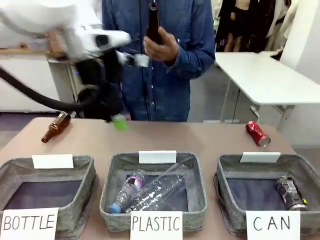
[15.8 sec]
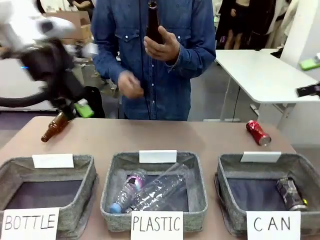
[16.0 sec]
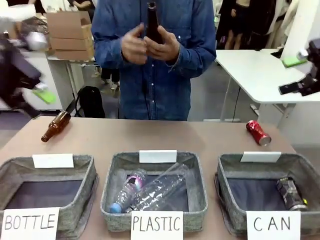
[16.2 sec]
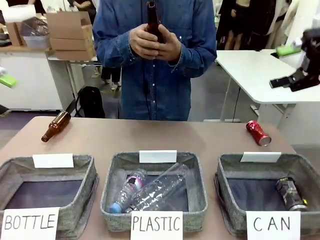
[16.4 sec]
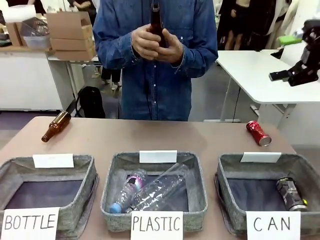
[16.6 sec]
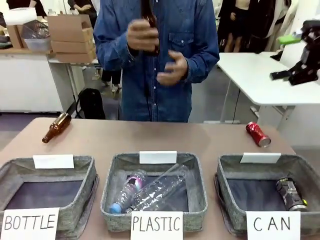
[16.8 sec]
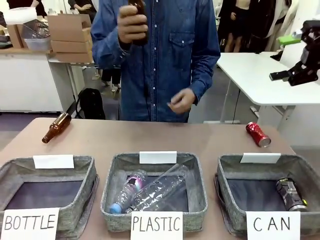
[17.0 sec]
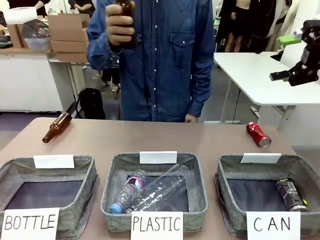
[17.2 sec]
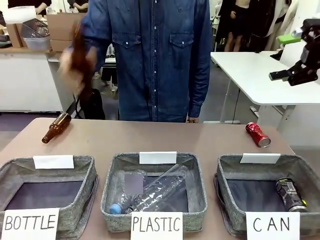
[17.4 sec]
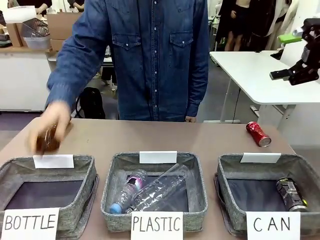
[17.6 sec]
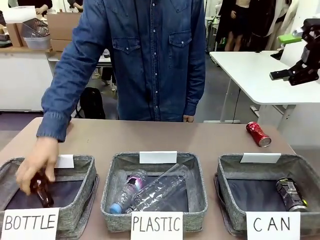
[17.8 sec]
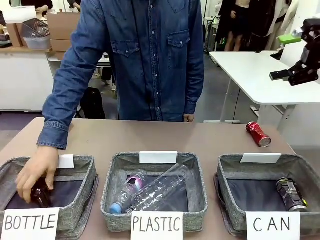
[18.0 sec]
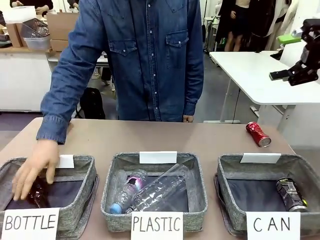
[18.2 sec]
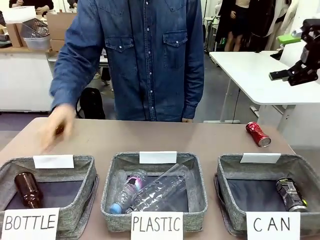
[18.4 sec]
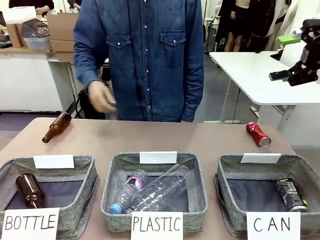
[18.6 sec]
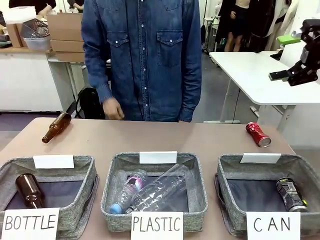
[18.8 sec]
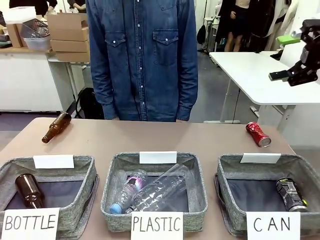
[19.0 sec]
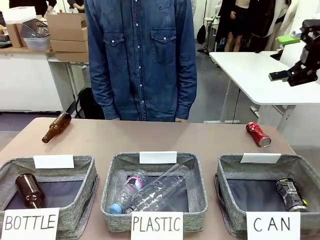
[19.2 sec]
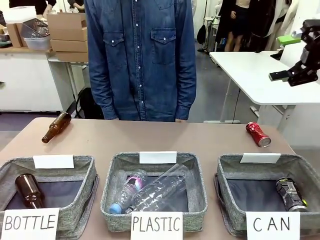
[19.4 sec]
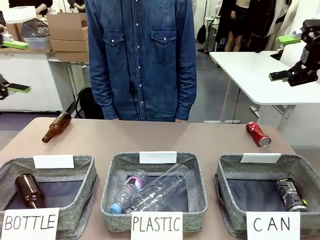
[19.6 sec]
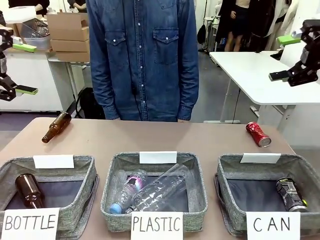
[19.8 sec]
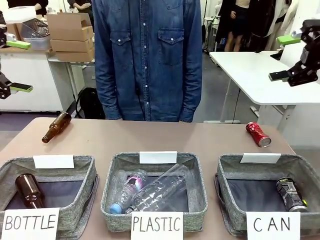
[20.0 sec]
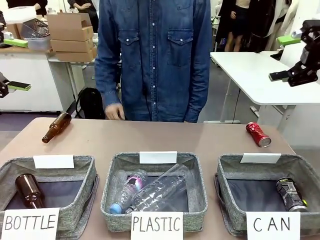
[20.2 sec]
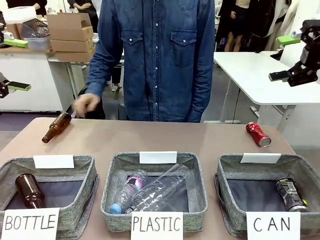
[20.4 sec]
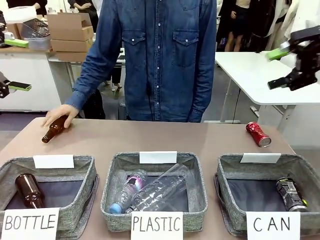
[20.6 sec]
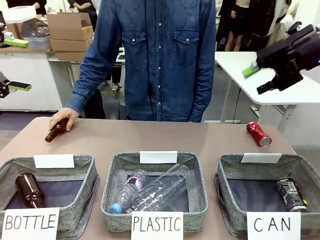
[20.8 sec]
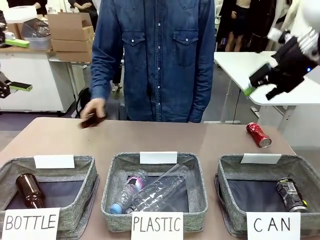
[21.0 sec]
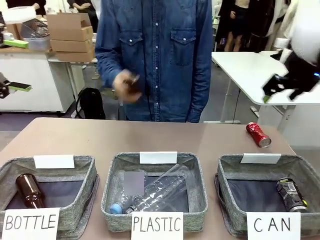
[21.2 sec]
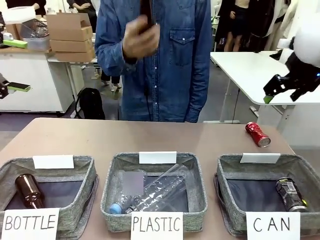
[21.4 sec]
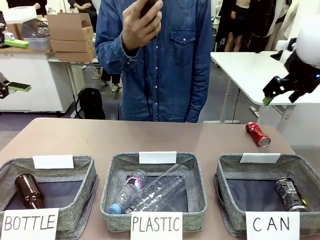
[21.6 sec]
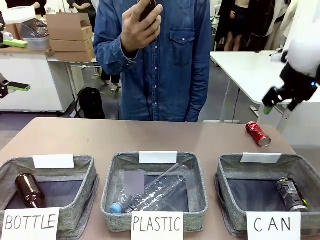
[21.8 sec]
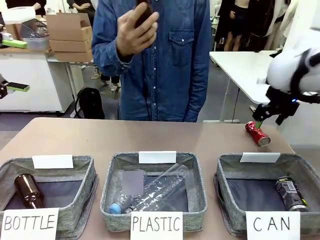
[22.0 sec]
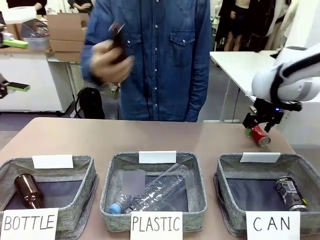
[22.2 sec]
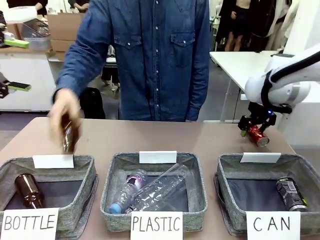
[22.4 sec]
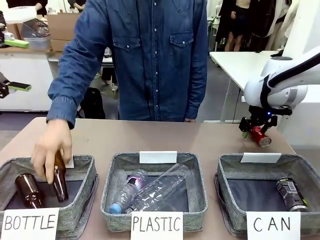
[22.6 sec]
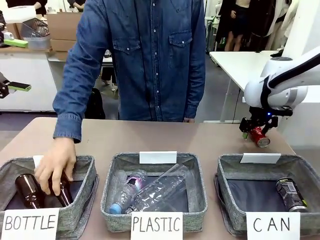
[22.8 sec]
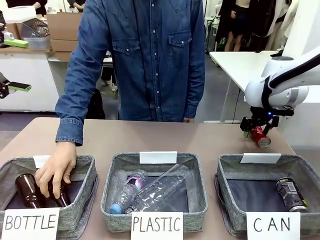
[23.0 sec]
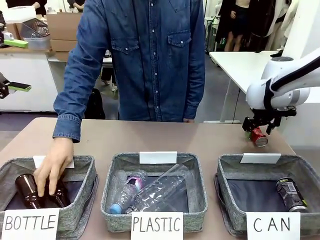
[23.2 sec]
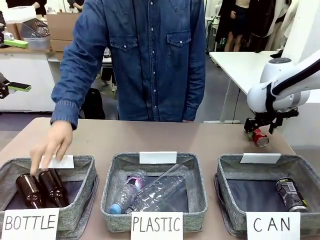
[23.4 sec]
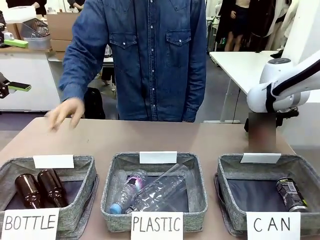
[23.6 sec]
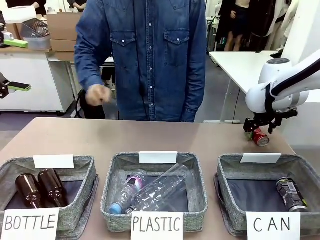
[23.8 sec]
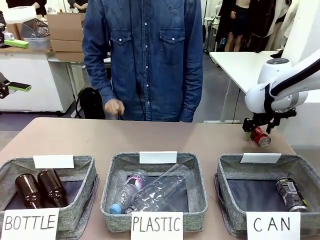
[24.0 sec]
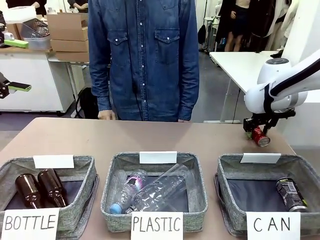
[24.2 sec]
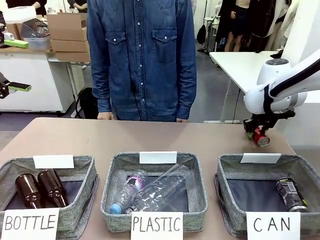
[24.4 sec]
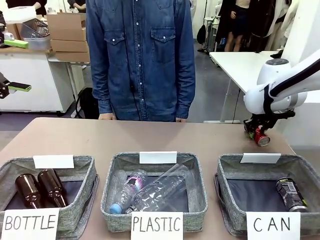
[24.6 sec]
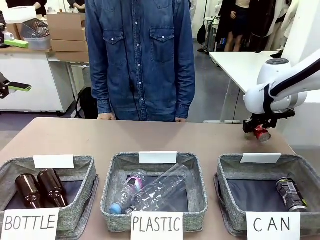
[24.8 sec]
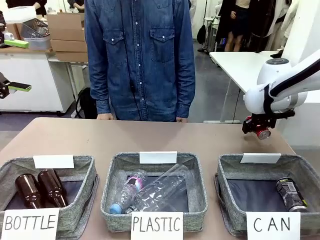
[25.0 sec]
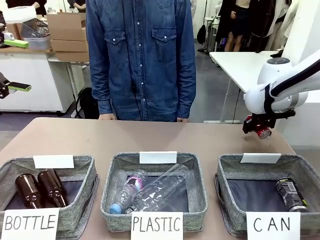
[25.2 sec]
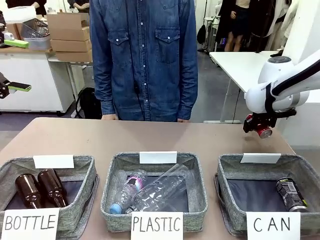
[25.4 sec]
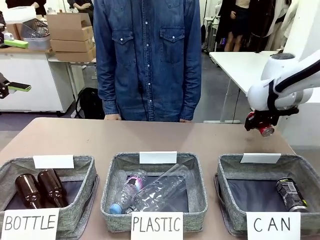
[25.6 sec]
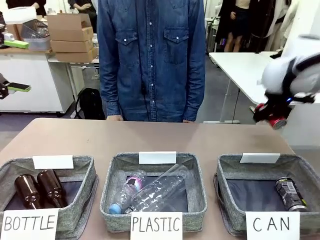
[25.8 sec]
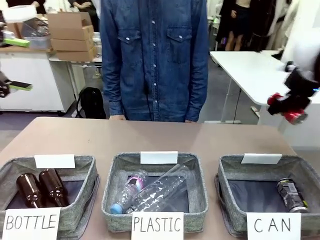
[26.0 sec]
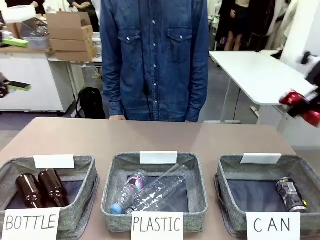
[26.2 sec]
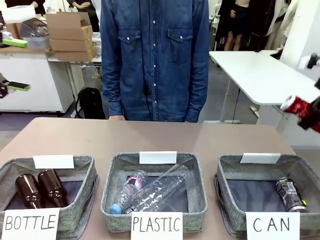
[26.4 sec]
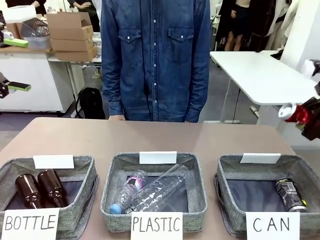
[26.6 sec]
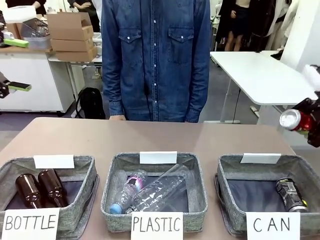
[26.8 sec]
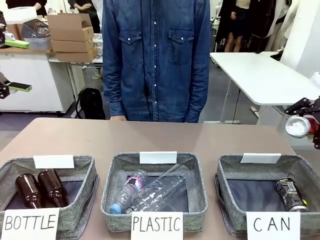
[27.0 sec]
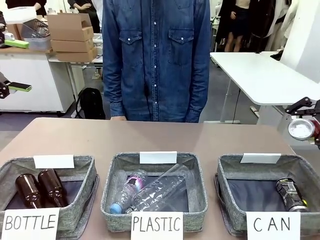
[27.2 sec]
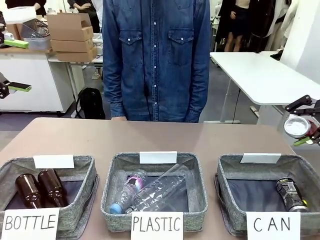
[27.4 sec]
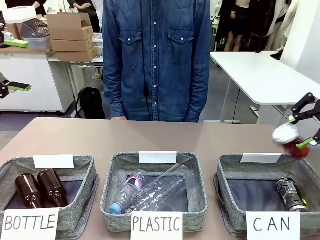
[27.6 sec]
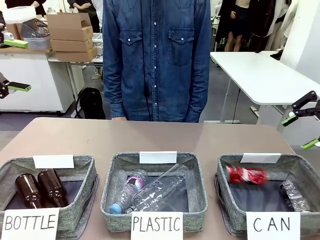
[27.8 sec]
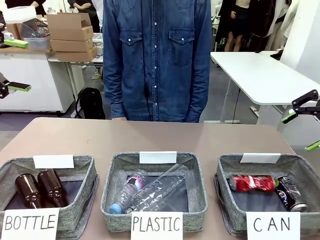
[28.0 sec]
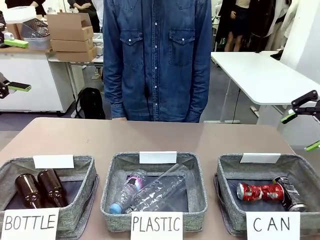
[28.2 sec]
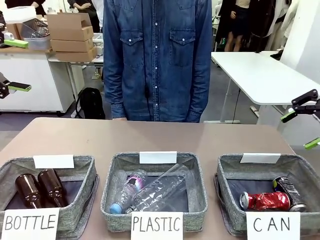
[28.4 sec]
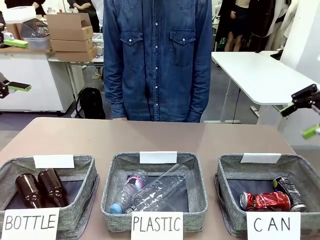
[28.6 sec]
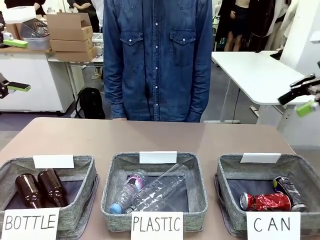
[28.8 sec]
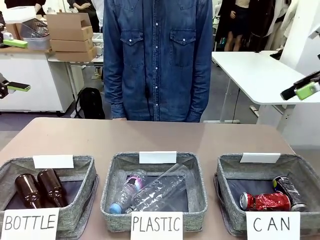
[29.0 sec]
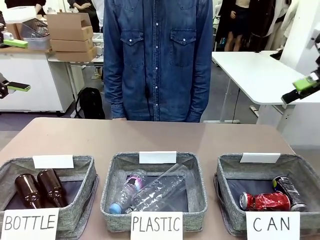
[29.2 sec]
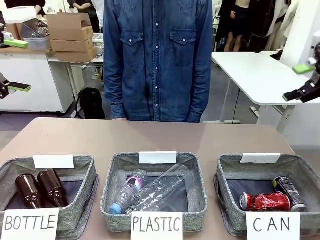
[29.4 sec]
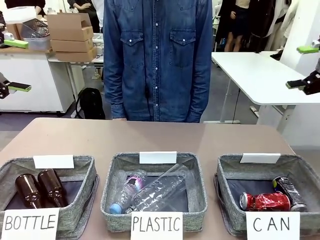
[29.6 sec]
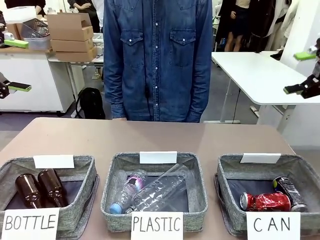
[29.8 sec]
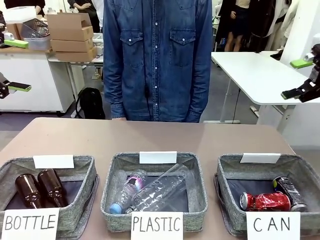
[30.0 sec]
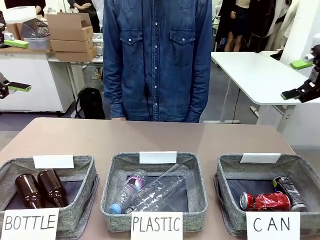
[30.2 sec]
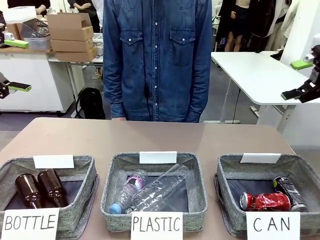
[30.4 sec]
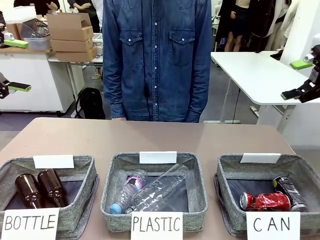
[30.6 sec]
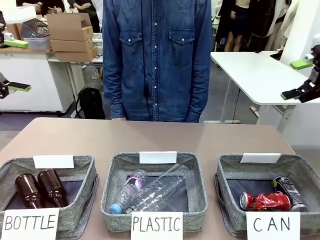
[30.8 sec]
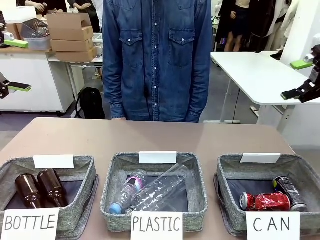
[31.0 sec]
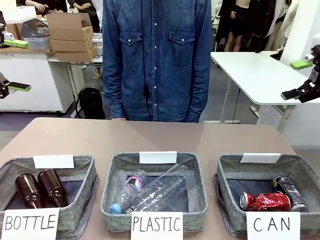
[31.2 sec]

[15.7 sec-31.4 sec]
Task: Sort the can waste into the basket.
Robot: Pick up the can waste from the table and place it in the right Fabric basket.
